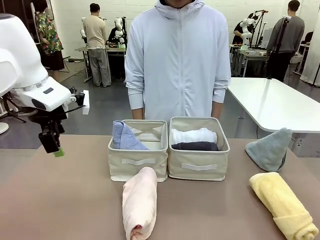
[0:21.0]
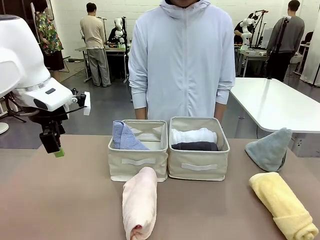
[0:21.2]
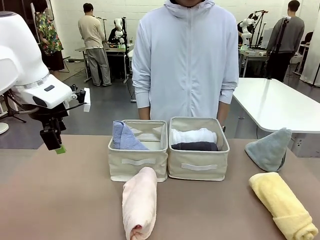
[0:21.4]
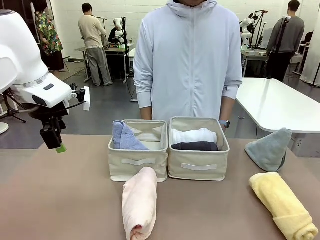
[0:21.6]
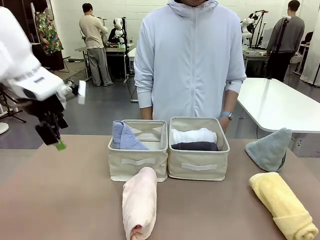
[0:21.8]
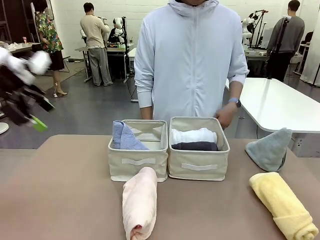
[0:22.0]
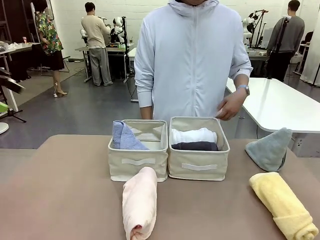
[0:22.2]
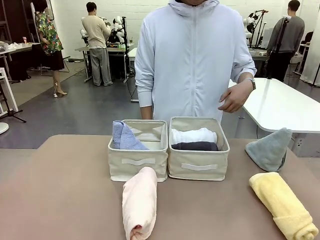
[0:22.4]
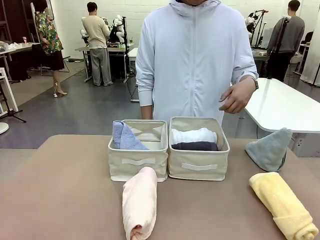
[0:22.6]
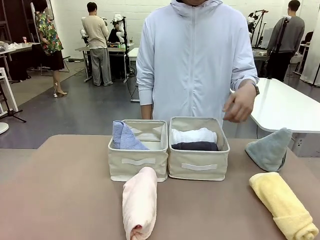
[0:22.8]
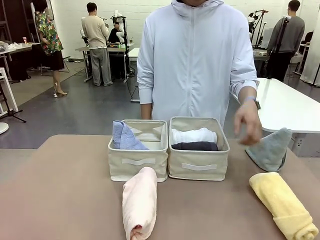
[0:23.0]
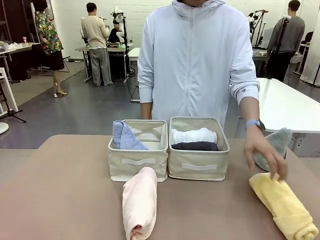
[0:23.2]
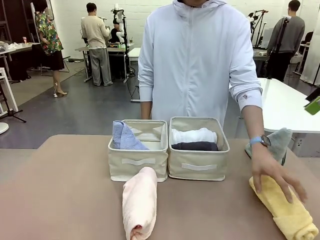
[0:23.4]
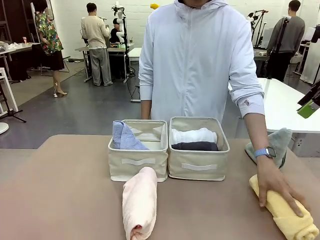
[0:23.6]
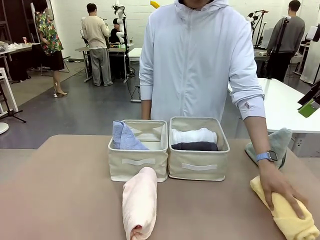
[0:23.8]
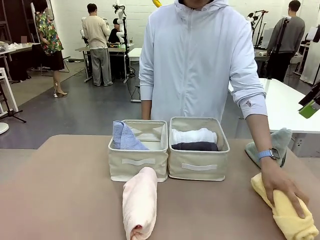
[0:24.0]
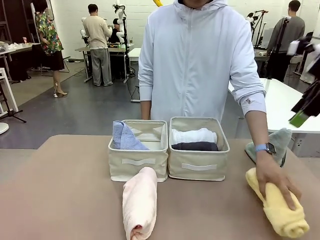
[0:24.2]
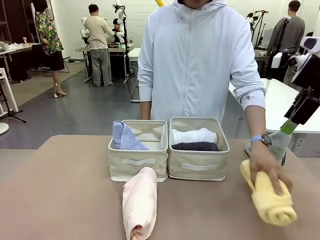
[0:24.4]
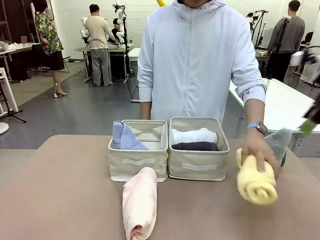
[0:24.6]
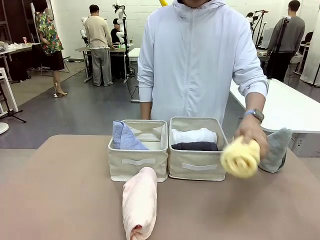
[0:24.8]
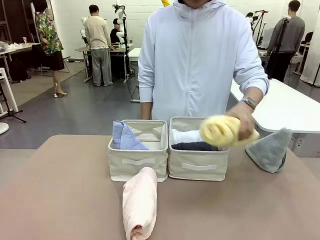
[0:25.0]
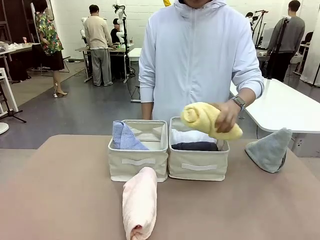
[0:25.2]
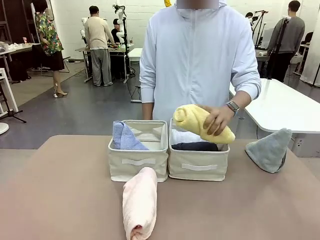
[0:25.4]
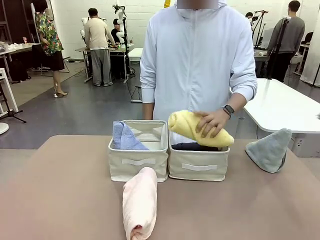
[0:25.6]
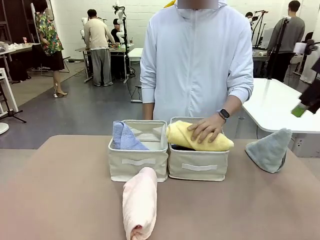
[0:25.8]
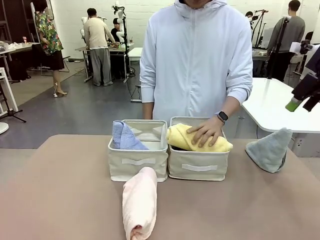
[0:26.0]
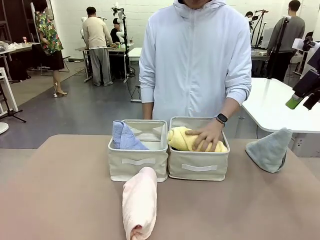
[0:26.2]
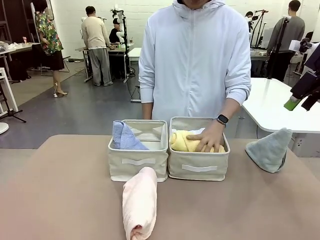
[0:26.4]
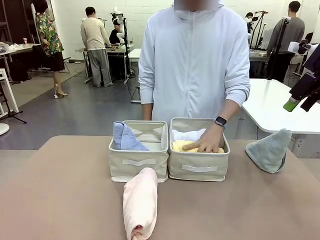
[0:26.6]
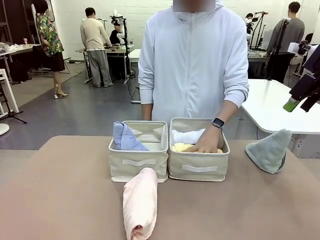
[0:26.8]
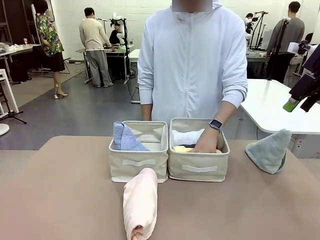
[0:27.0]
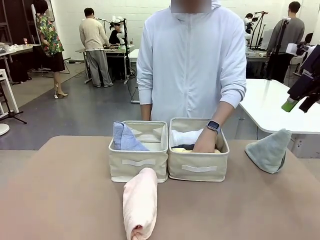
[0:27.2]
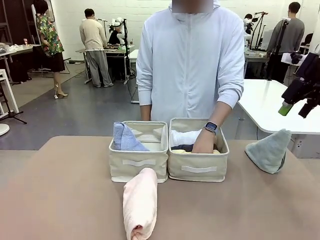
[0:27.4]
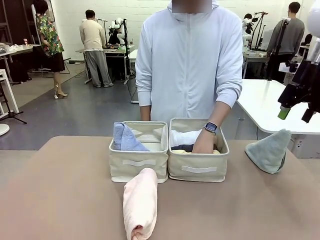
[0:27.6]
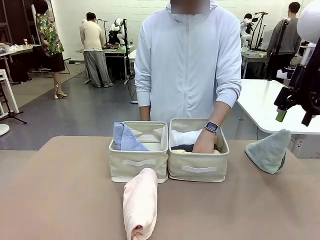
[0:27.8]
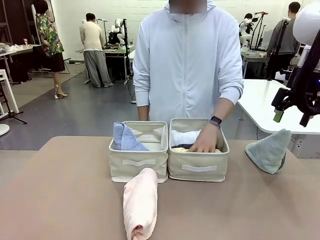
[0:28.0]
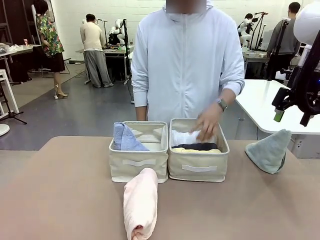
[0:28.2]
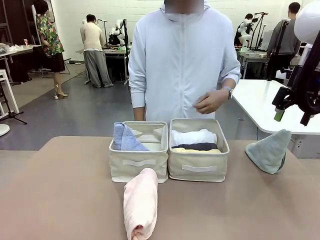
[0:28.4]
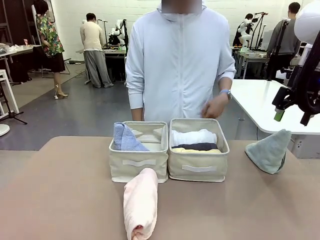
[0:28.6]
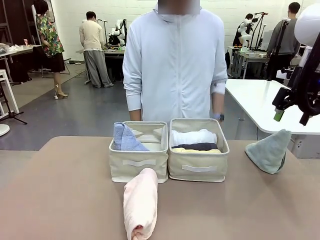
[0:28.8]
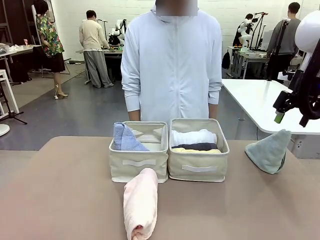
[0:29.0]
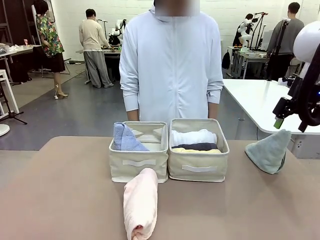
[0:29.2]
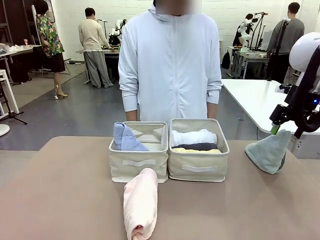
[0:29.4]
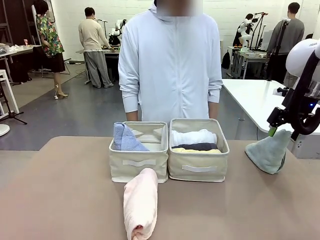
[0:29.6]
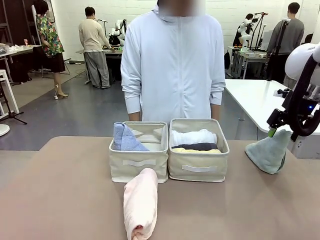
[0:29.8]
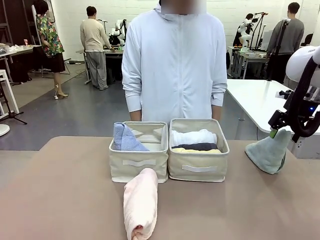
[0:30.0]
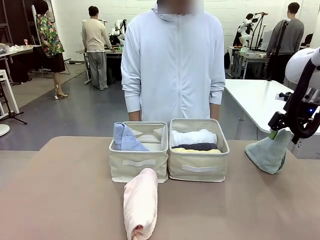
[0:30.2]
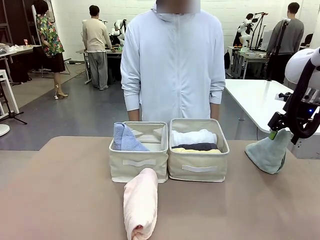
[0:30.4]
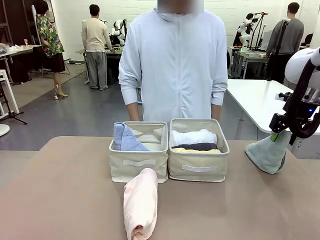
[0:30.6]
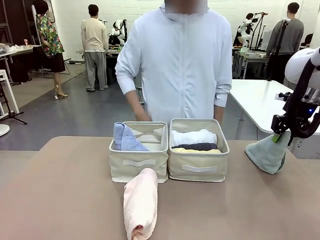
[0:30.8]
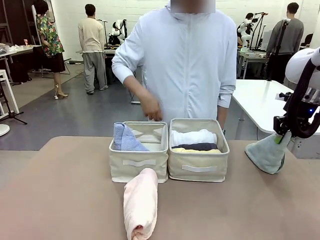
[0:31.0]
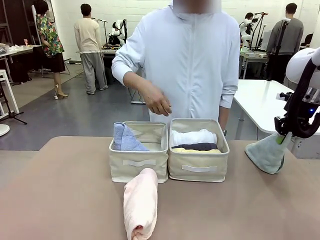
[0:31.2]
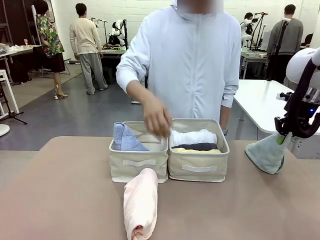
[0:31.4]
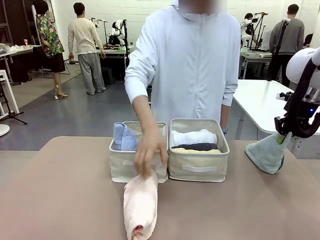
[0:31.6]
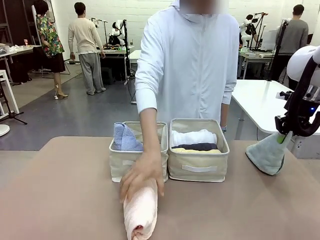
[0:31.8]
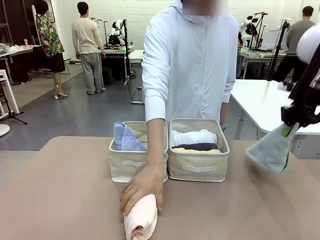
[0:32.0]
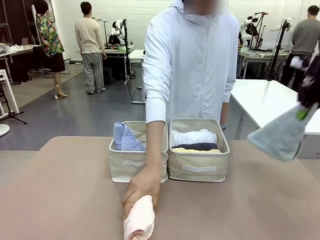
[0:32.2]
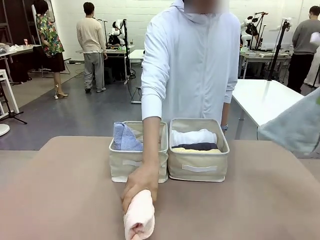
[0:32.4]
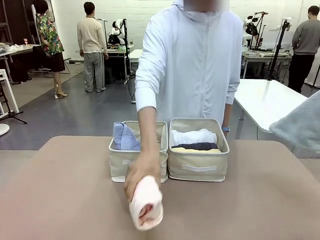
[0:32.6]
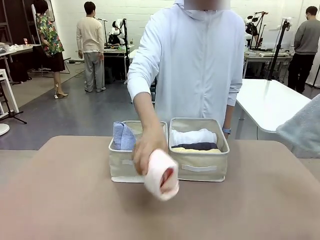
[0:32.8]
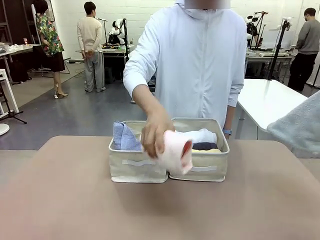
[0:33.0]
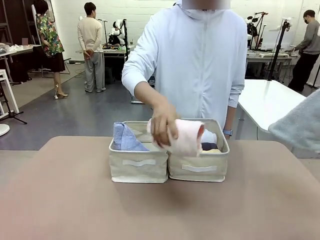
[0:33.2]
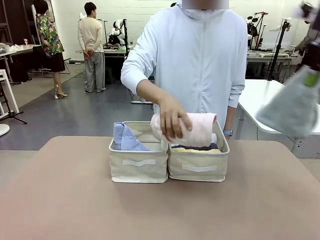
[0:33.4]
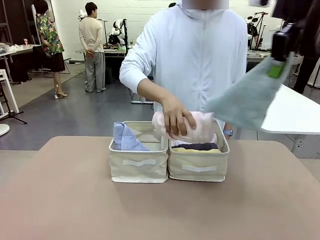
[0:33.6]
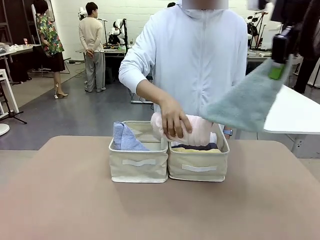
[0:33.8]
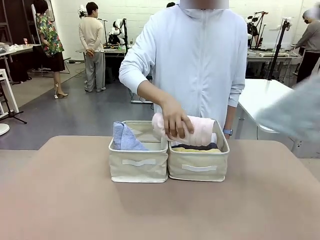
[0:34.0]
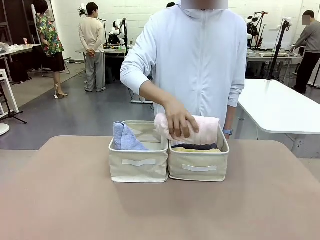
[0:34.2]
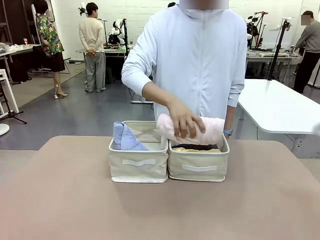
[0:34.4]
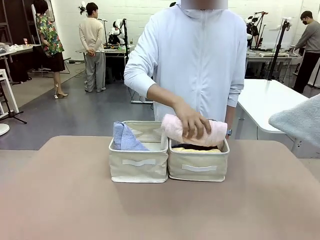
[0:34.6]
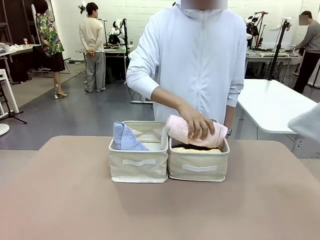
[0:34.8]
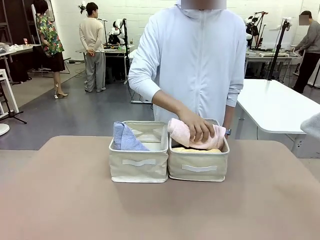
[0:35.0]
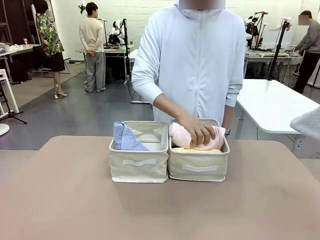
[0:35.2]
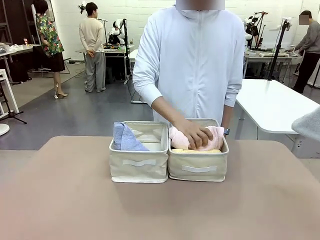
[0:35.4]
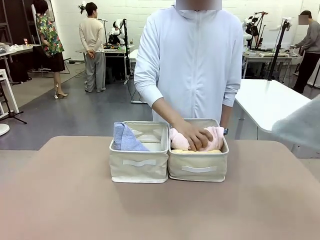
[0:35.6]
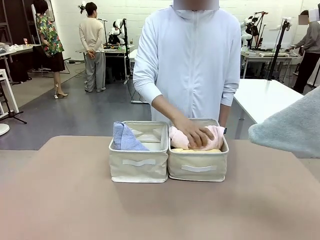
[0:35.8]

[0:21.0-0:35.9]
Task: Sort the towels based on their folding style.
Robot: Pick up another triangle-folded towel from the table and place it in the left Fabric basket.
